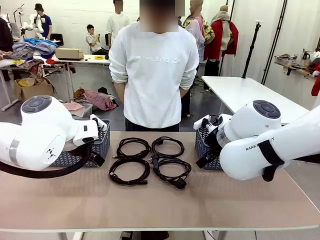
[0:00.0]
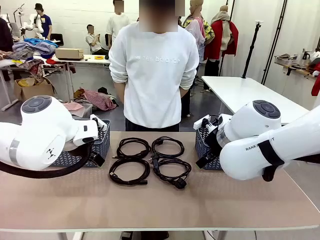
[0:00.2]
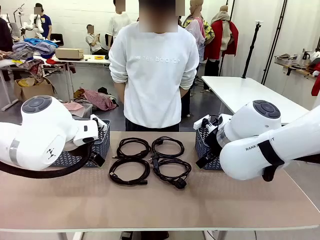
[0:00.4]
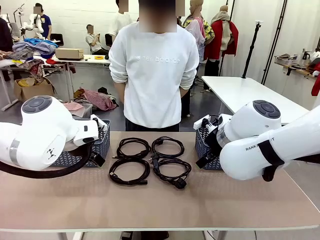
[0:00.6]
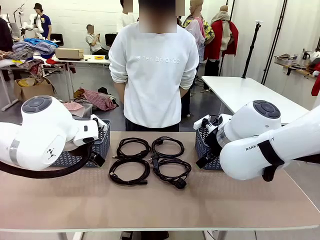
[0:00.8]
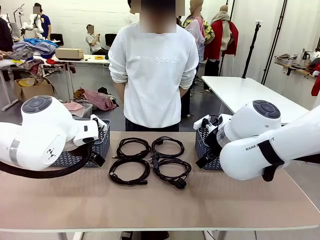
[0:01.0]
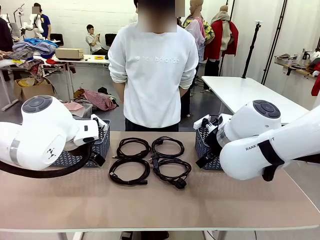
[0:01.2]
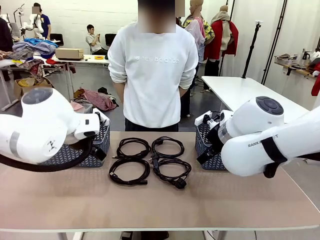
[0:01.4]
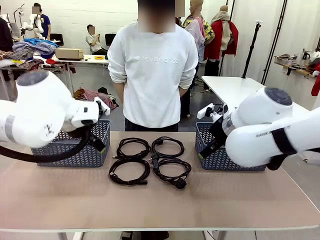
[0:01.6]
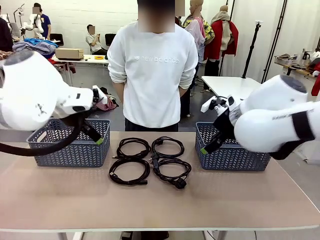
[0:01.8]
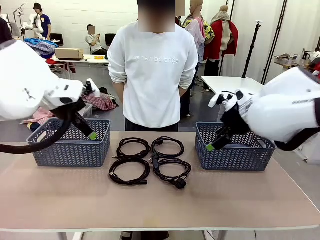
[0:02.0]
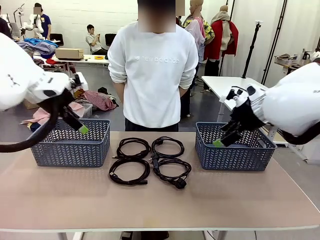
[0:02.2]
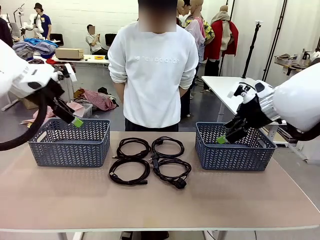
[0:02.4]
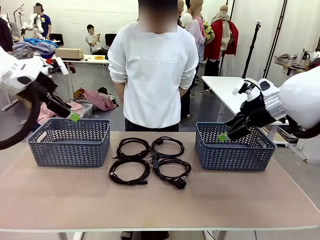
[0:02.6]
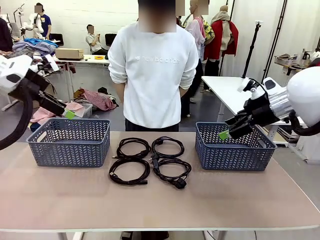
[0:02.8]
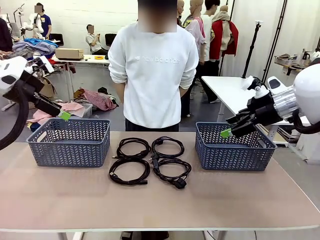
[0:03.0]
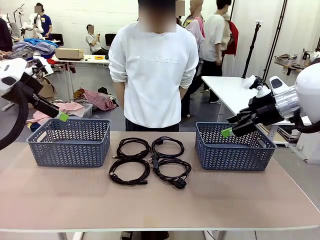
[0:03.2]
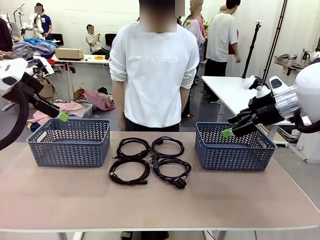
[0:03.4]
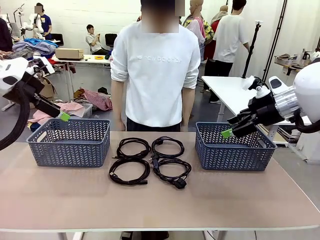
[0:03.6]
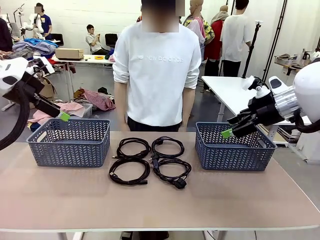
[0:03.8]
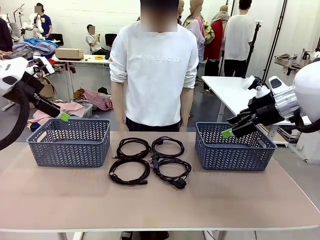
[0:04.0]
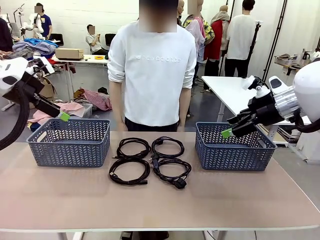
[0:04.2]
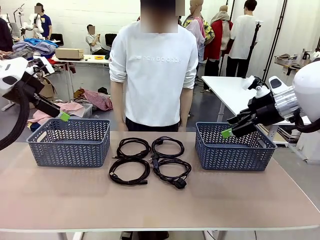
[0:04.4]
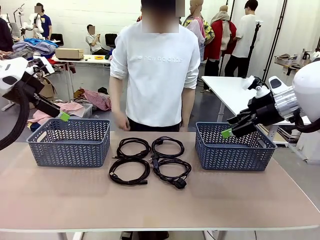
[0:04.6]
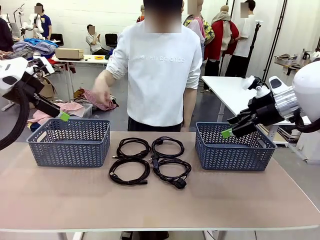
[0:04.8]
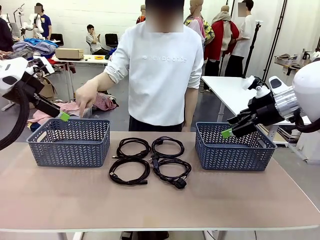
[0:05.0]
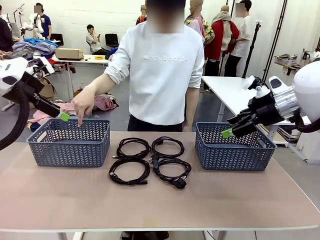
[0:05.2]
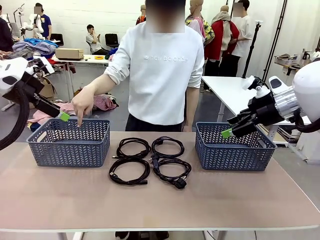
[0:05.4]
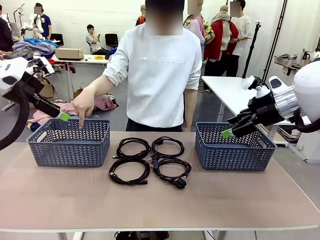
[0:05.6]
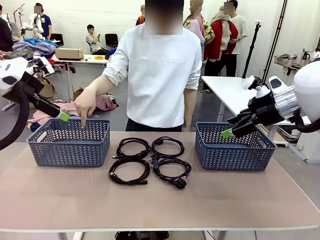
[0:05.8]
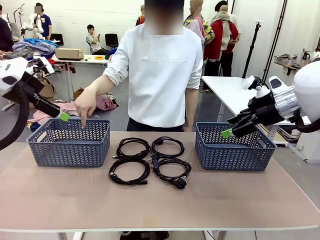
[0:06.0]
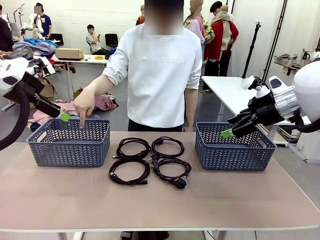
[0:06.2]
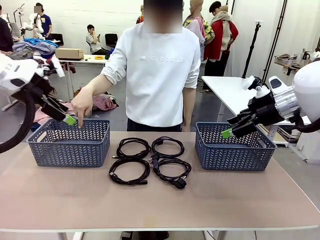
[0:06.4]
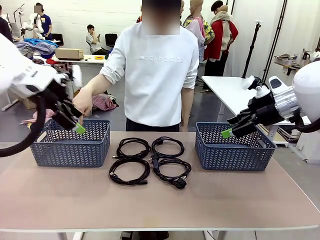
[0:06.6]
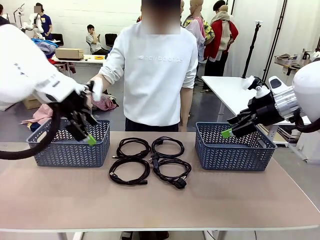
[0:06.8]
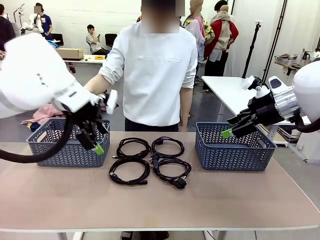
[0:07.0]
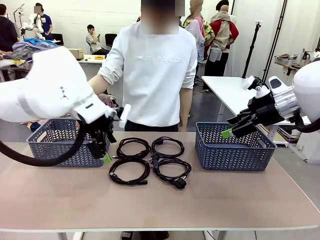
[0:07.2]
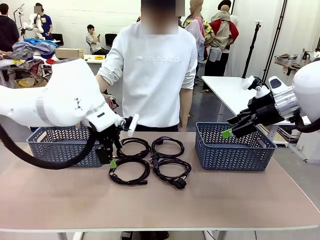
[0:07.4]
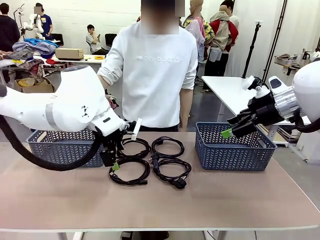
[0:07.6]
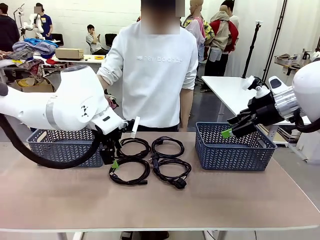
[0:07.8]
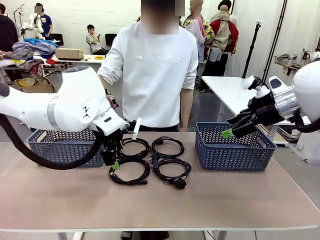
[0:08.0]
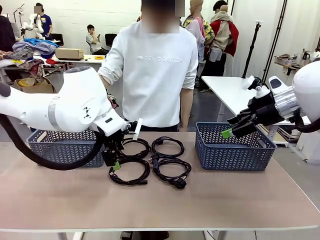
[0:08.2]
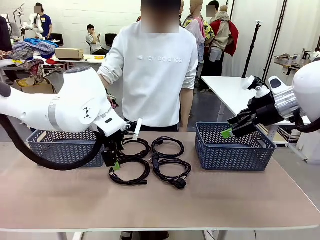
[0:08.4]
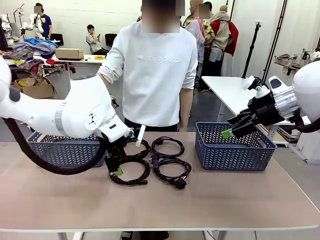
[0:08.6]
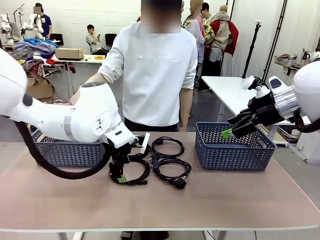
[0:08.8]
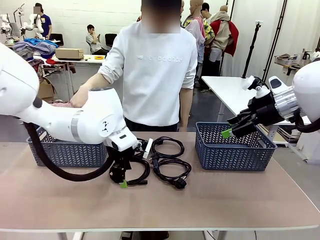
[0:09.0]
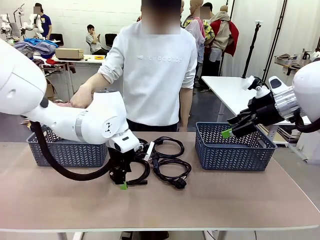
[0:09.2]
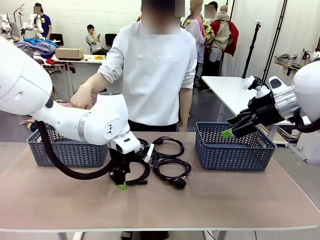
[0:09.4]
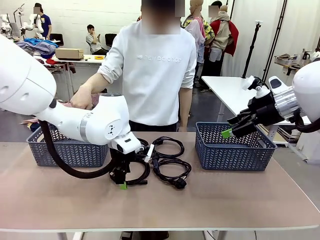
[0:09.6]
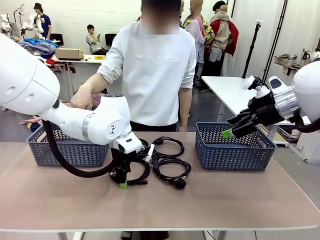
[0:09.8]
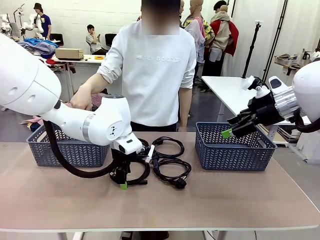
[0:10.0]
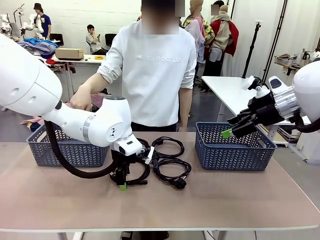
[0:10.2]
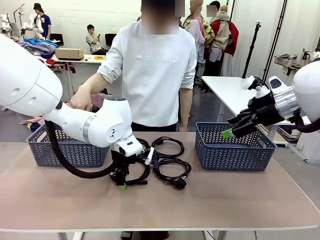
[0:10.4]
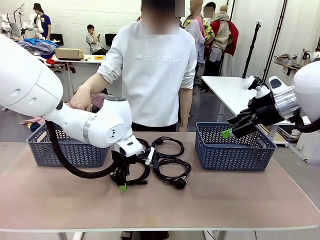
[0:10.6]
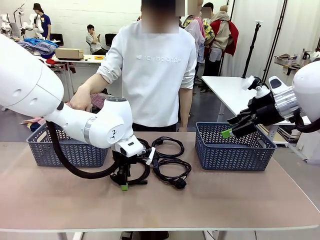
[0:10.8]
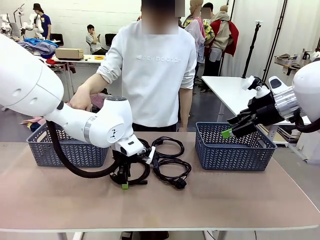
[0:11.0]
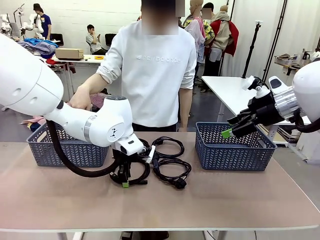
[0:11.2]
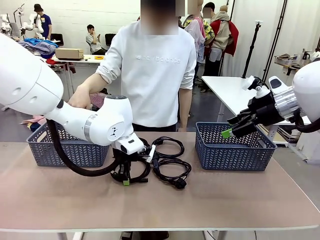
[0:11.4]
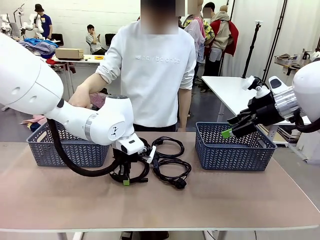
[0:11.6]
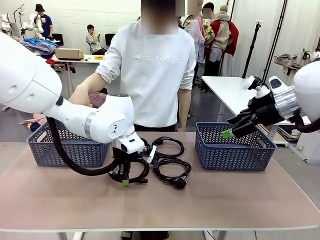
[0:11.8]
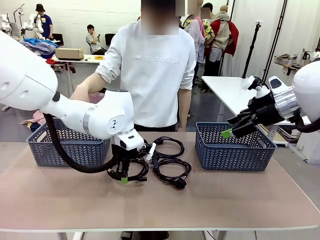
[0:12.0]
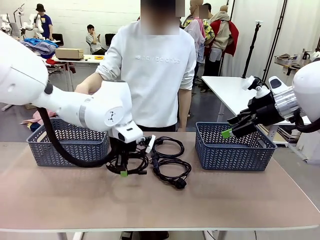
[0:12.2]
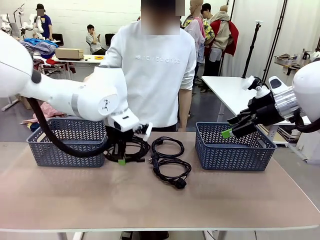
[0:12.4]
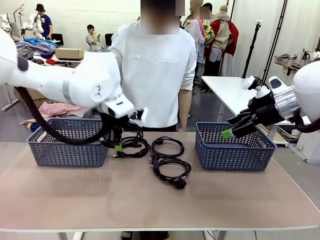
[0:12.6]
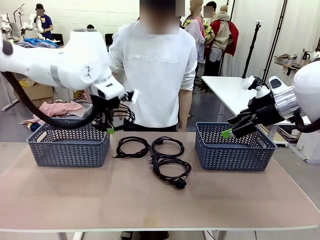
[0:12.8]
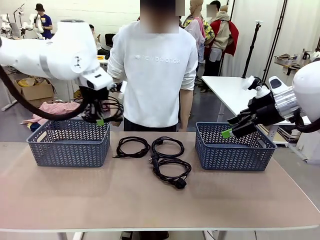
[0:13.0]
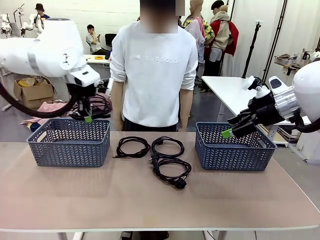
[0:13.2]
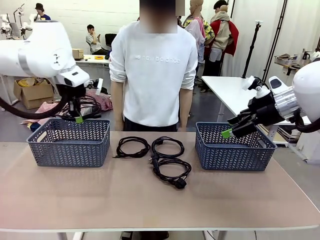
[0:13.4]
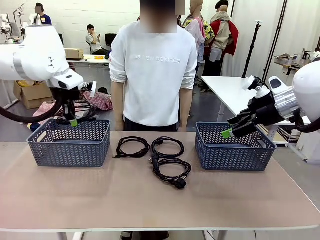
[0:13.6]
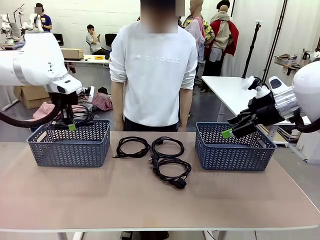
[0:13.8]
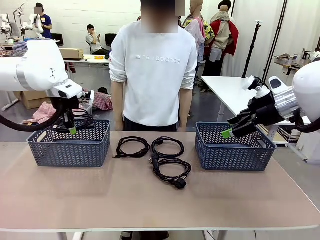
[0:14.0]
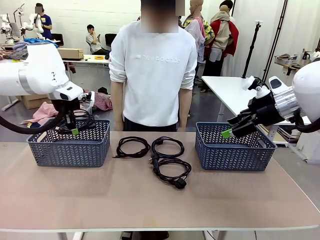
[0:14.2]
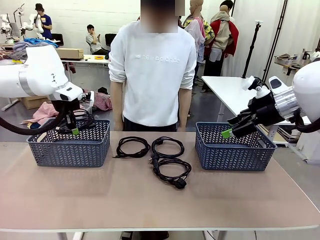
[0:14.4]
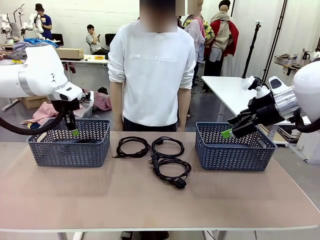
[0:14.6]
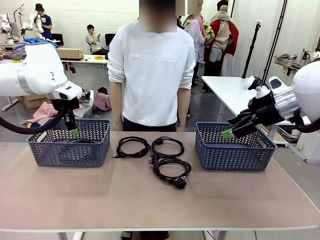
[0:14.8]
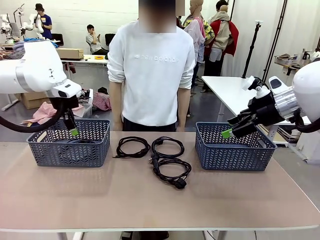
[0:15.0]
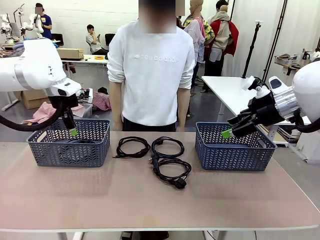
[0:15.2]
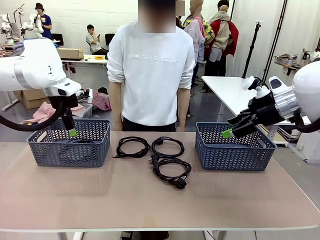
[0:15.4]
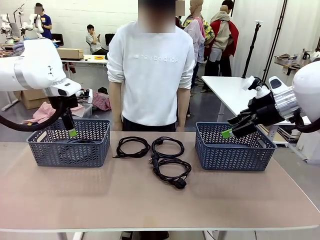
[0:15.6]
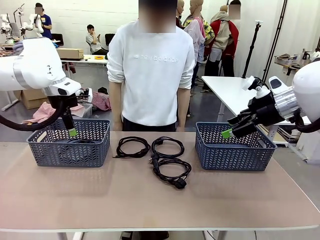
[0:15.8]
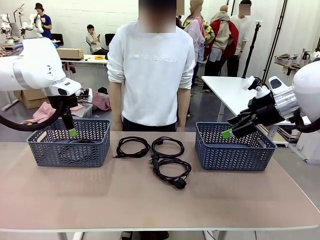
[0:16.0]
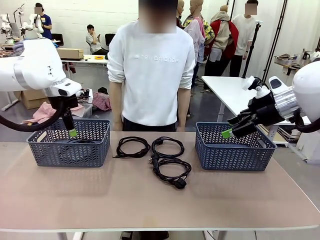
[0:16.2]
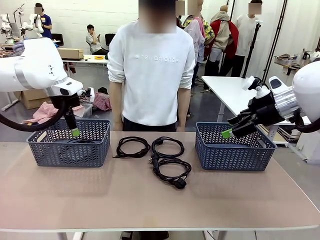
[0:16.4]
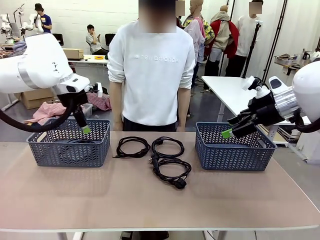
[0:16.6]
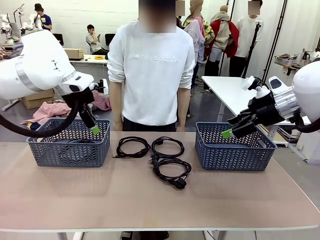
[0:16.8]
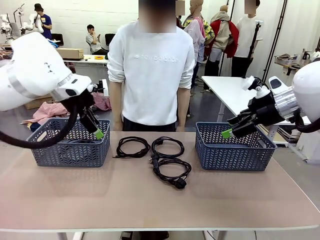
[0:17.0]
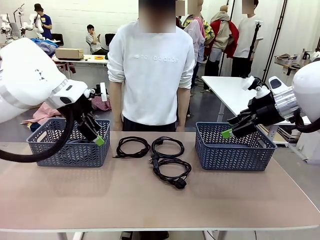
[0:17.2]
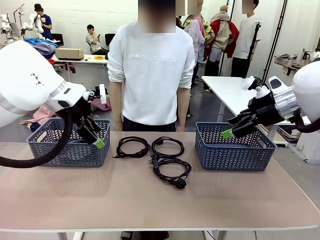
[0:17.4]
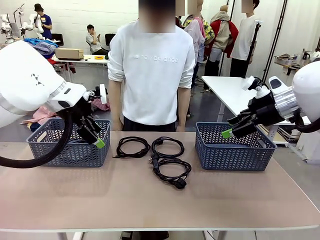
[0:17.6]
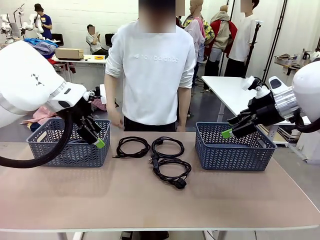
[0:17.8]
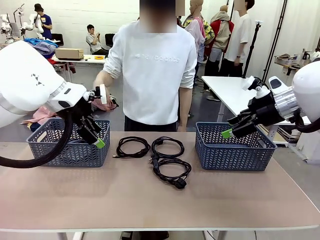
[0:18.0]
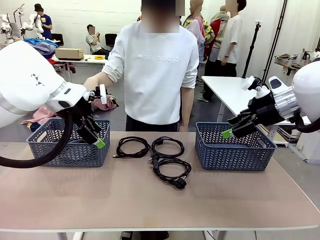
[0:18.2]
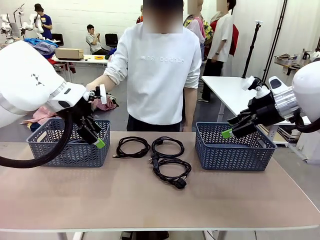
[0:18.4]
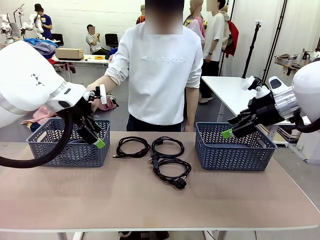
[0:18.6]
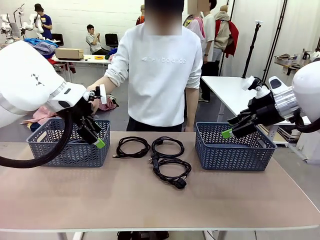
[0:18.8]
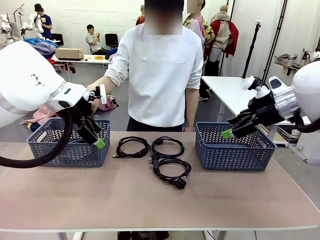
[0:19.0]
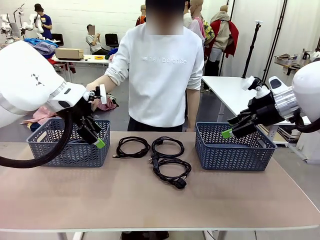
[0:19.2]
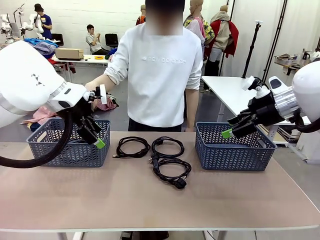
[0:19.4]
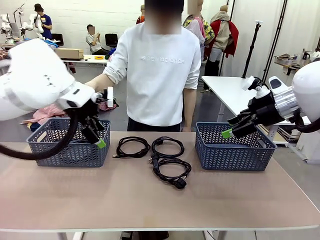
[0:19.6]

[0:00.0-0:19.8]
Task: Organize the cables according to human instructions.
Robot: Pick up a bundle of cables and place it in the basket indicated by the human.
